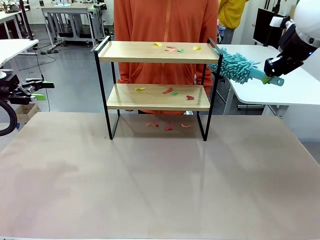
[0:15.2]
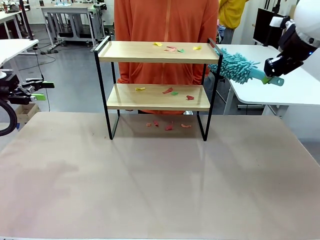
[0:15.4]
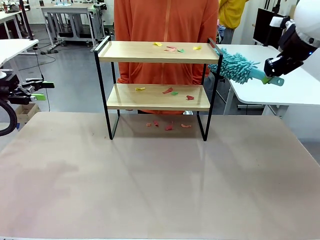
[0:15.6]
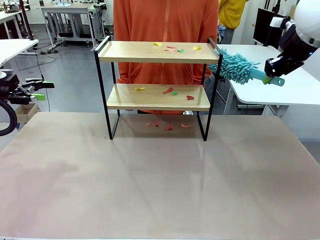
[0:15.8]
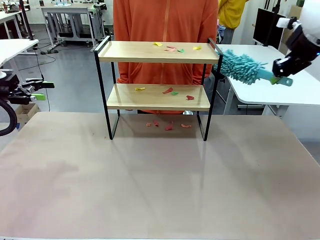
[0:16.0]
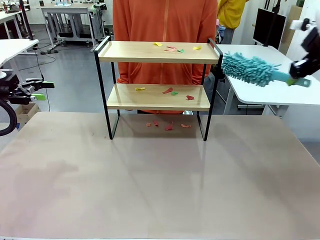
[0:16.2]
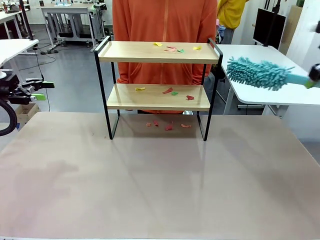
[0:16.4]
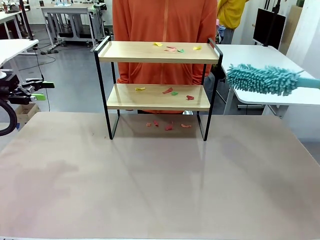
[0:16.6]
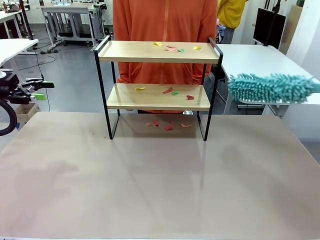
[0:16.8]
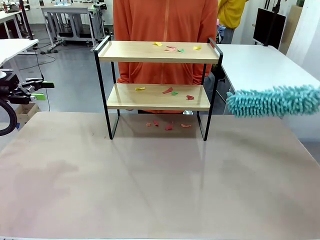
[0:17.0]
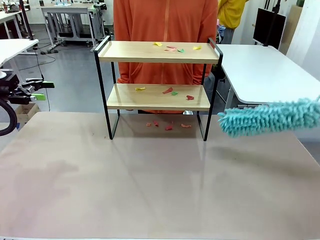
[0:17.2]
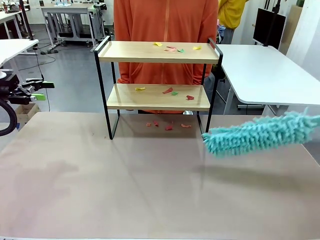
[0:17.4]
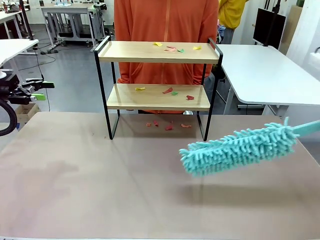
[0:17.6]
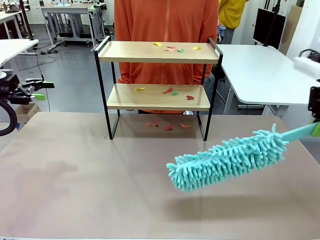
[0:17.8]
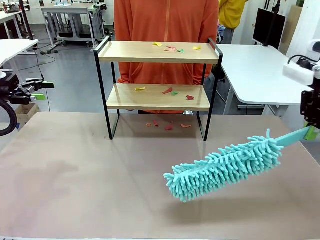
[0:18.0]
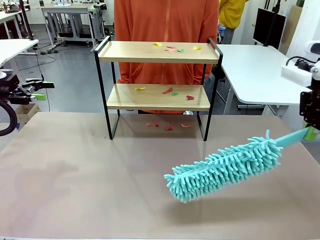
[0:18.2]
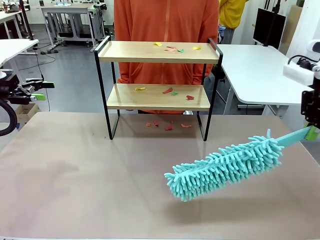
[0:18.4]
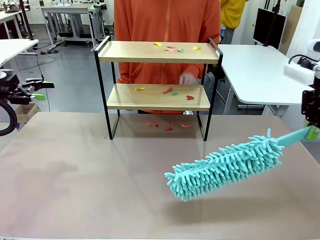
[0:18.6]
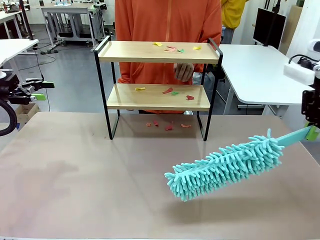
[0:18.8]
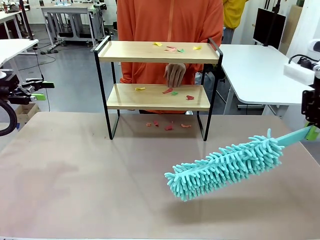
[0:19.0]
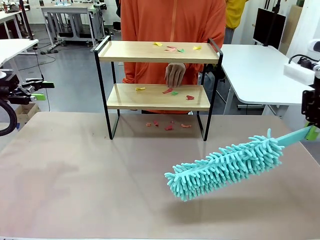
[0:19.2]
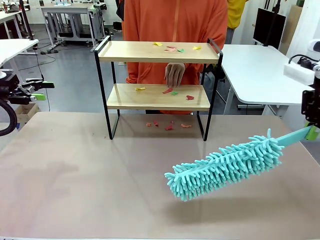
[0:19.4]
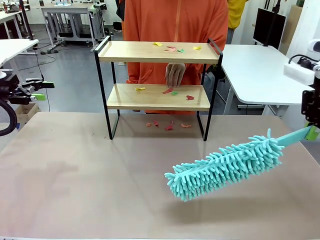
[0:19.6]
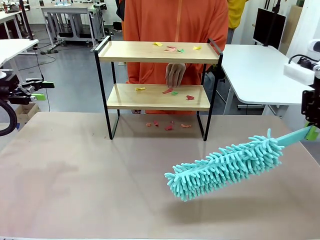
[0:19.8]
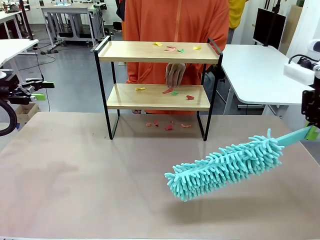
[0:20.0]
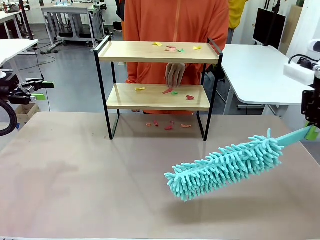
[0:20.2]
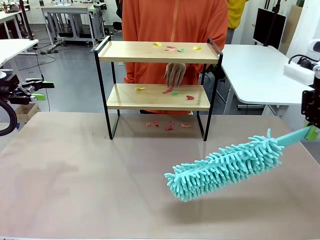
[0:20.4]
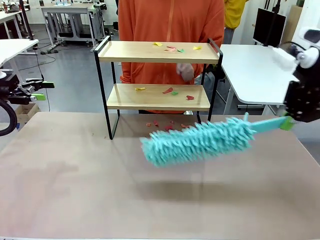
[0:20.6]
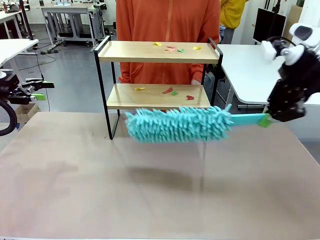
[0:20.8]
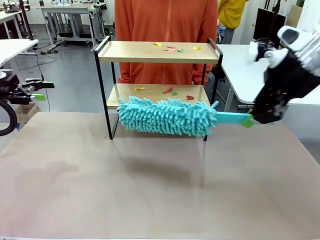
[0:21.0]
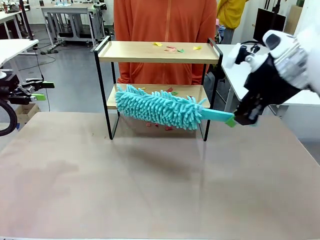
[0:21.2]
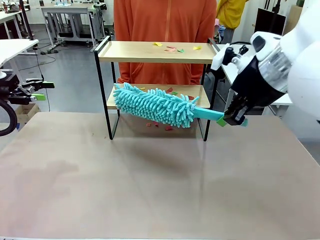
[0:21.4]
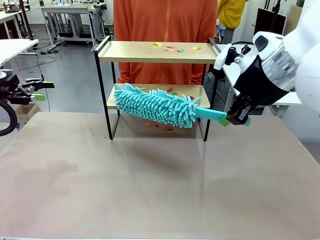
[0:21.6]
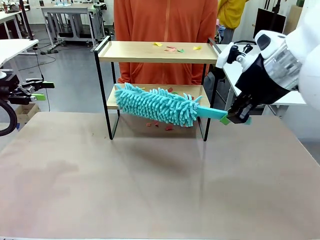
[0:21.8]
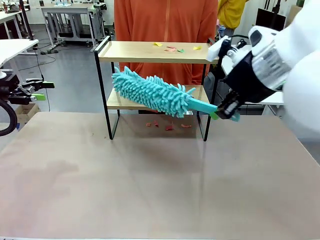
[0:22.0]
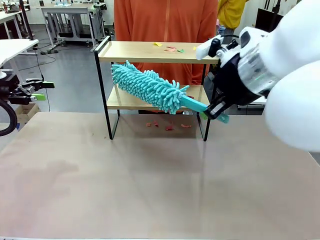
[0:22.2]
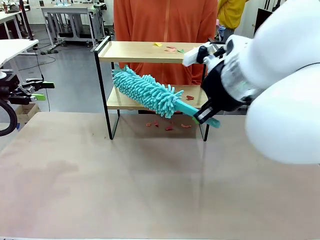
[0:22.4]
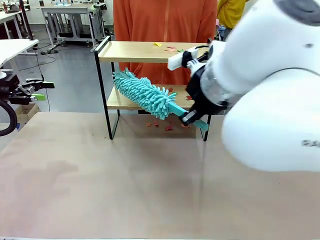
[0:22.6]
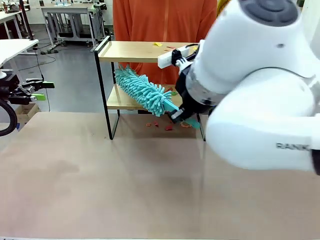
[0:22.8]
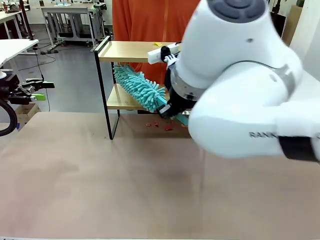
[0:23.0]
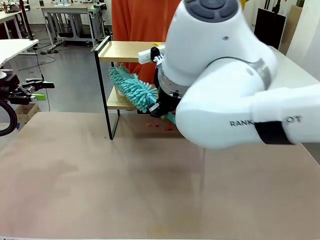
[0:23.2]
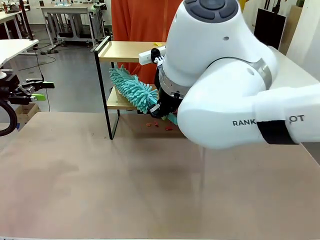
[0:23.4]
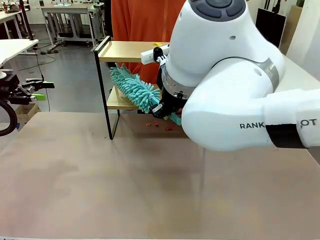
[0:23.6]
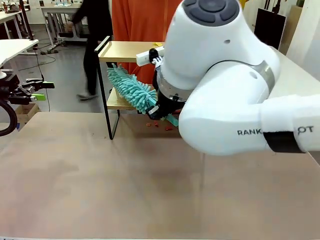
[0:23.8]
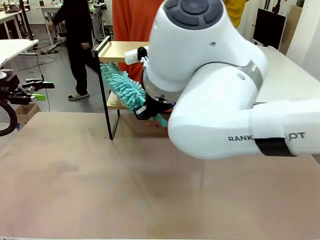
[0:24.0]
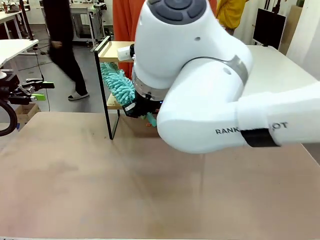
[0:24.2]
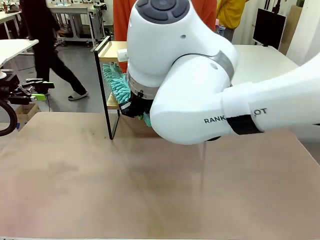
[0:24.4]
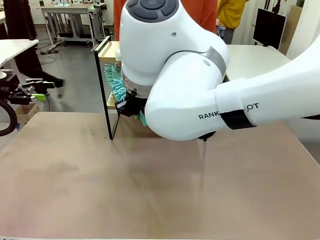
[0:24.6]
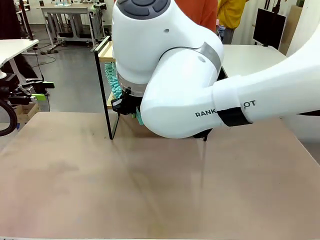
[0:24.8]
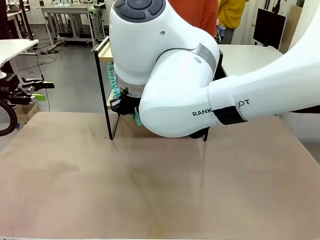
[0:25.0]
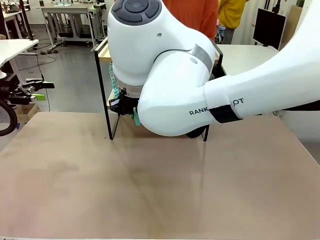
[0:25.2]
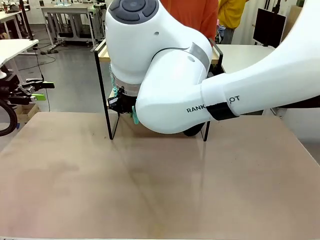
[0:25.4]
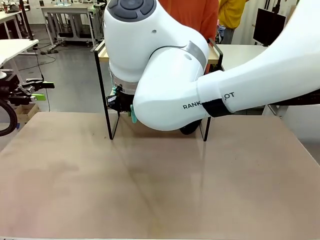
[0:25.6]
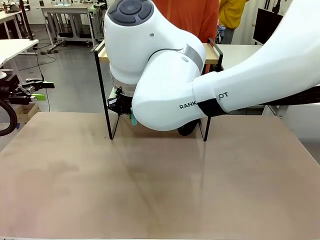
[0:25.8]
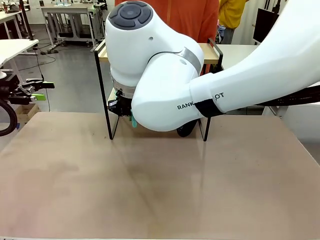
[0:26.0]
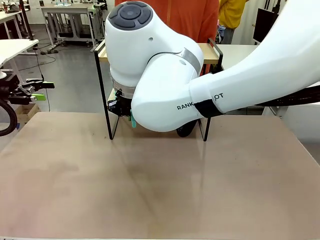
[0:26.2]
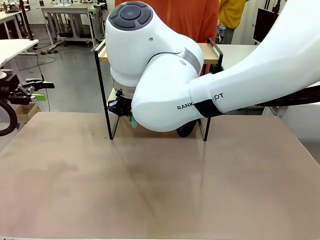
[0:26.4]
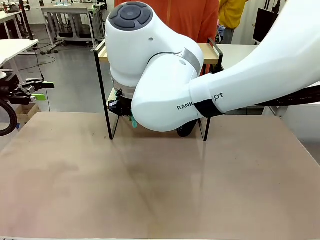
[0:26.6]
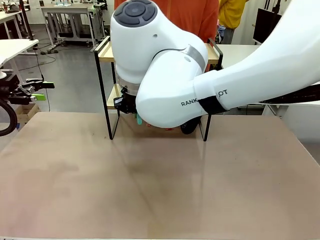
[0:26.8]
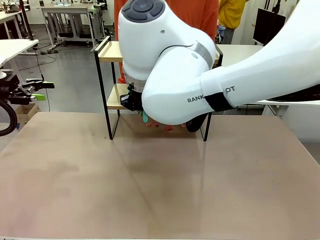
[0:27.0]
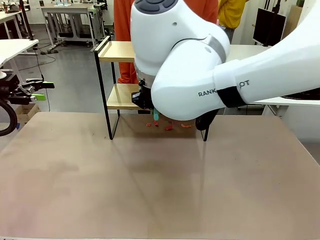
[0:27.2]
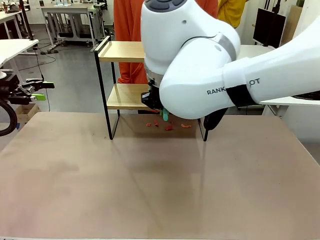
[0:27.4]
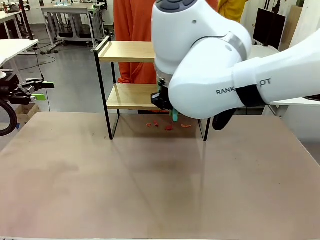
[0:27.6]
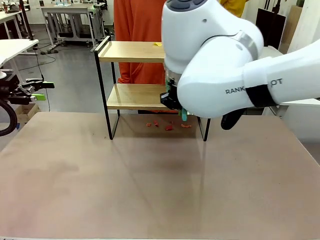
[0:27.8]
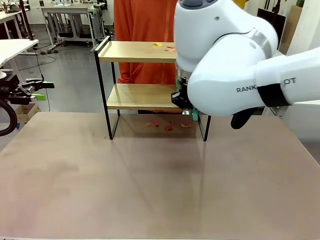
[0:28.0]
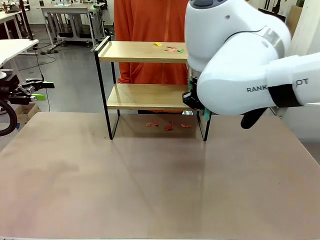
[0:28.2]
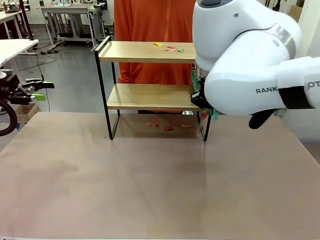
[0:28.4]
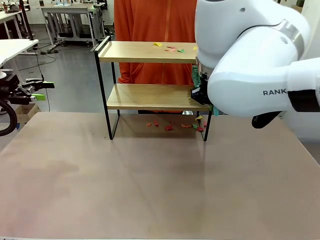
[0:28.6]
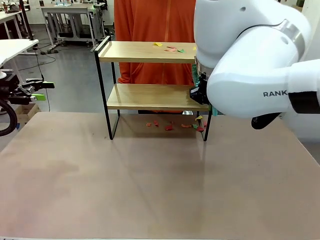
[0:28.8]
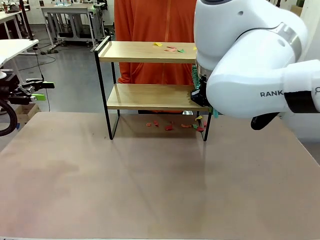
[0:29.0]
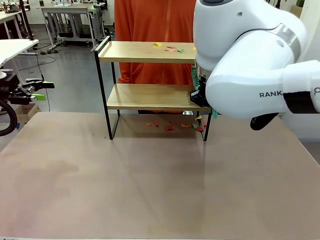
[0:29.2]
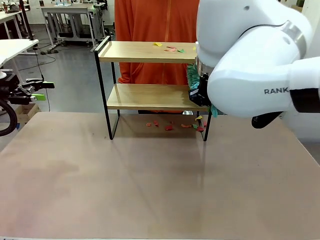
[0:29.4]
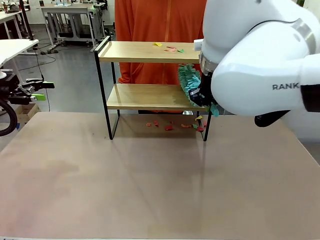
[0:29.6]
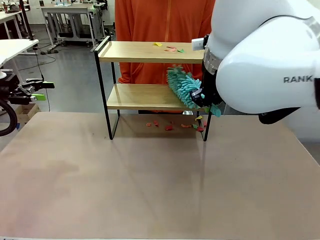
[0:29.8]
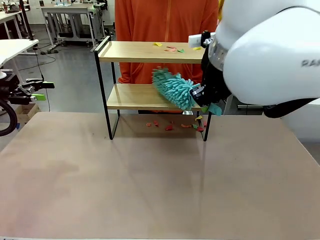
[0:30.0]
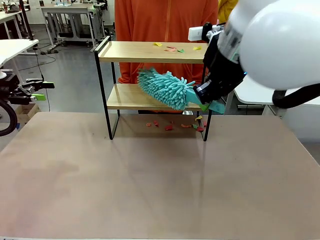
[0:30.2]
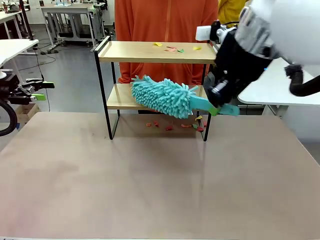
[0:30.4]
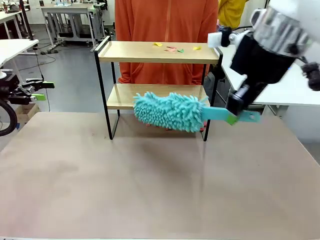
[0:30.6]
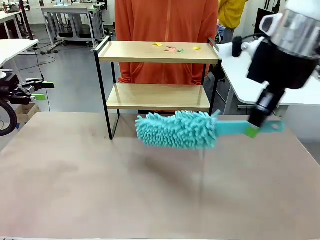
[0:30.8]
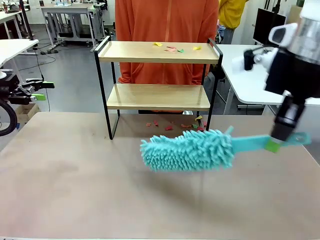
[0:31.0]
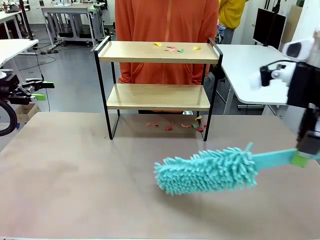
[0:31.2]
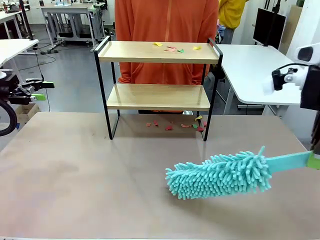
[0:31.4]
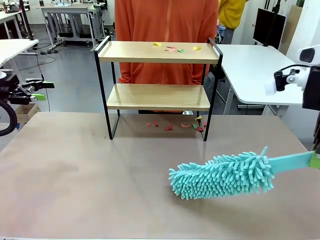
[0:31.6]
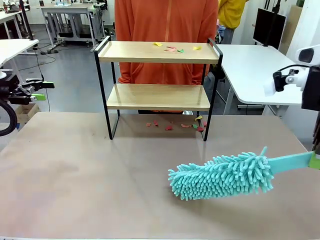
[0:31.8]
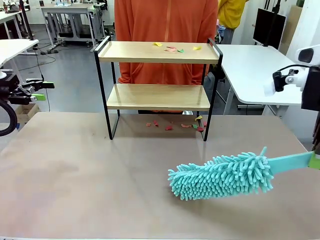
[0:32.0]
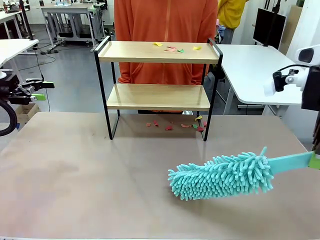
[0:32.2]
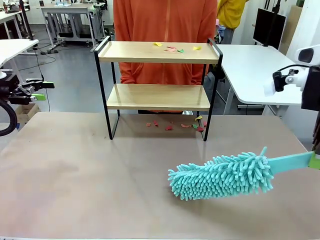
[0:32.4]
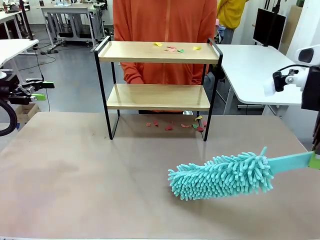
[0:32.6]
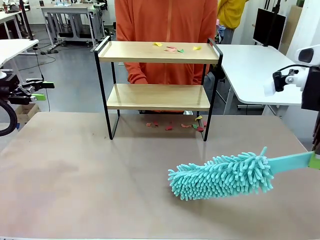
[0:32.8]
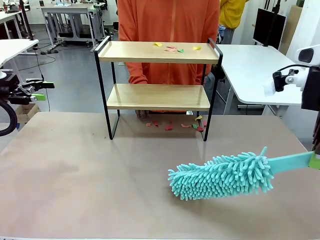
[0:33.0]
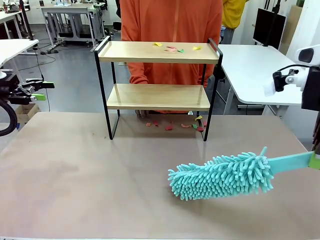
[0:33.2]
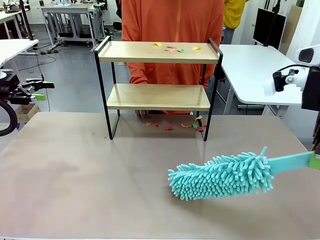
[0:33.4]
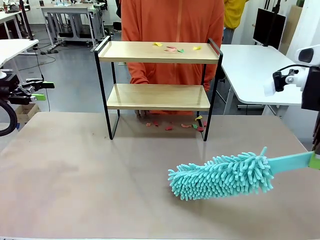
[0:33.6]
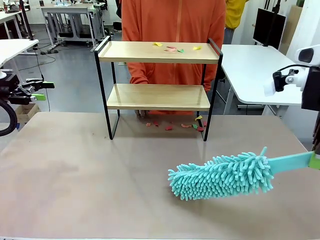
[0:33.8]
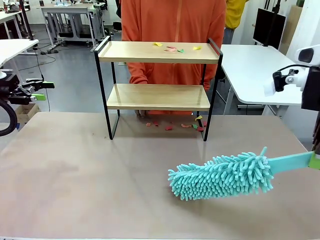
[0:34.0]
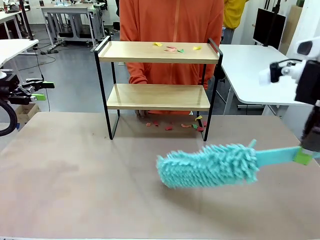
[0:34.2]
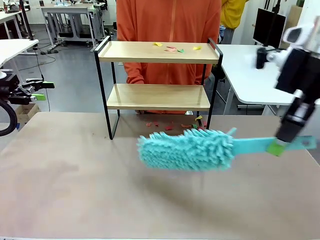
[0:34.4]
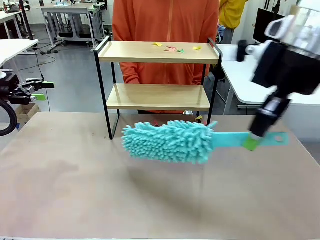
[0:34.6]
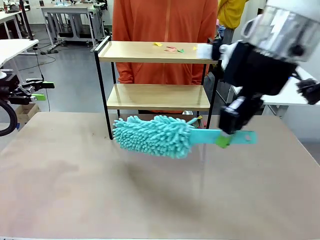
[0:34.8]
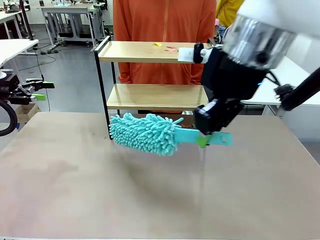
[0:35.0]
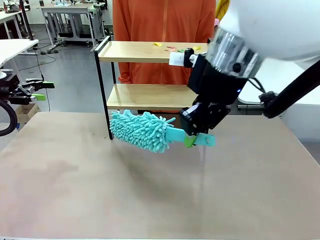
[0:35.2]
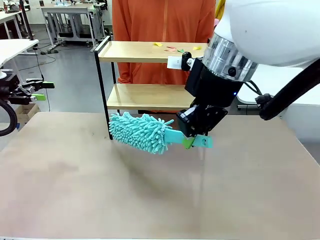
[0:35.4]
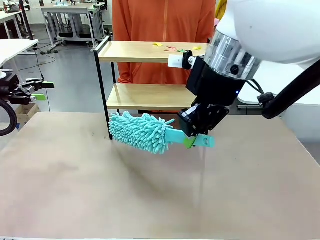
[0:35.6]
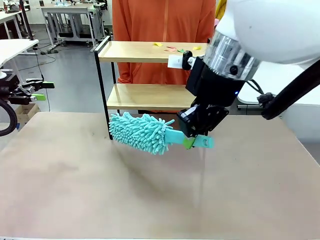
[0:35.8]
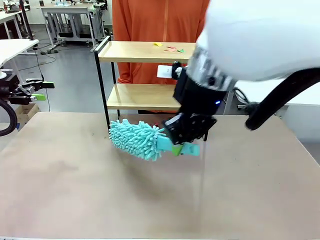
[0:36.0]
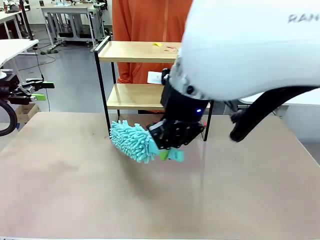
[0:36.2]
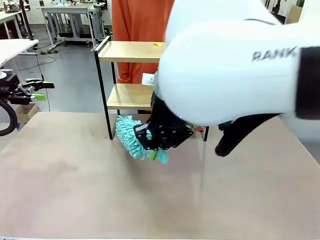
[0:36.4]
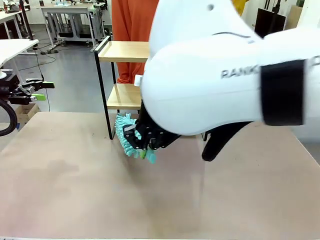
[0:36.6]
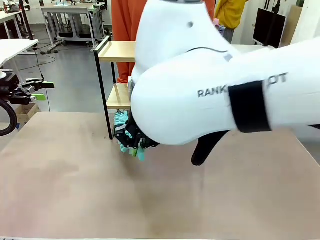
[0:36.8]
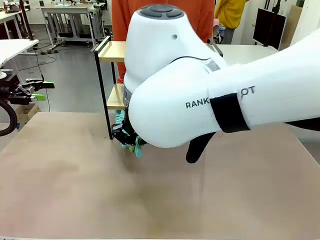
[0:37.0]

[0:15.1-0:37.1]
Task: Clean the shelf.
Robot: Clean the specific section of the Shelf indicated by the human with the Duster.
Person: Point a random section of the Shelf.
